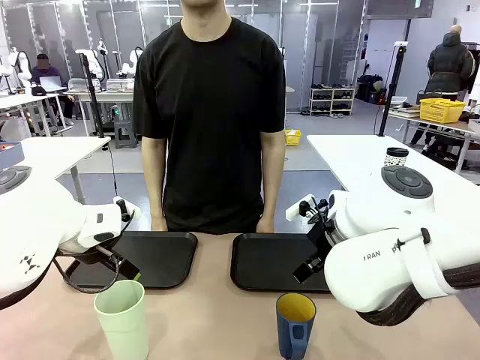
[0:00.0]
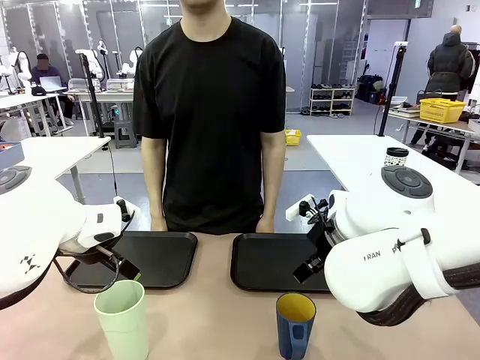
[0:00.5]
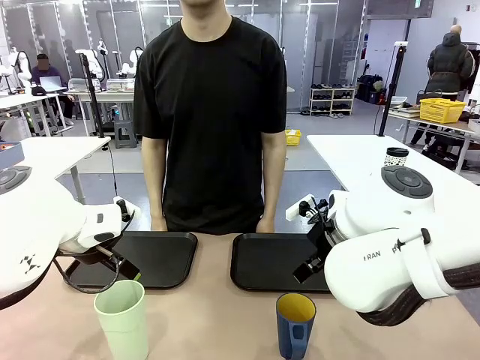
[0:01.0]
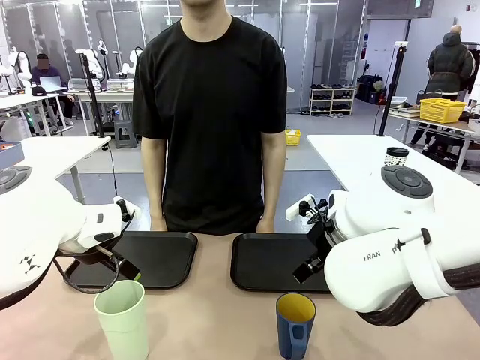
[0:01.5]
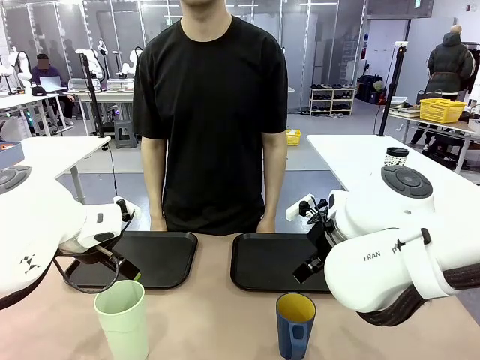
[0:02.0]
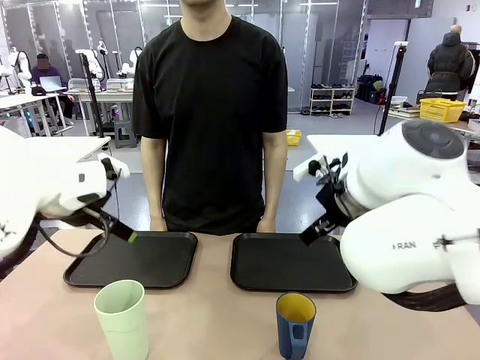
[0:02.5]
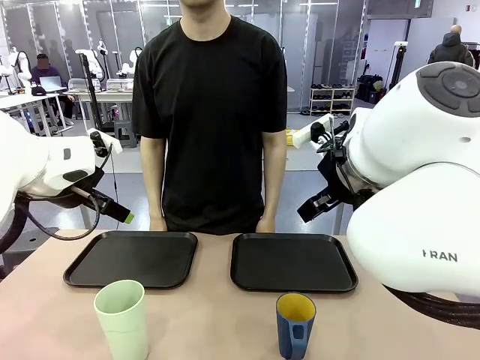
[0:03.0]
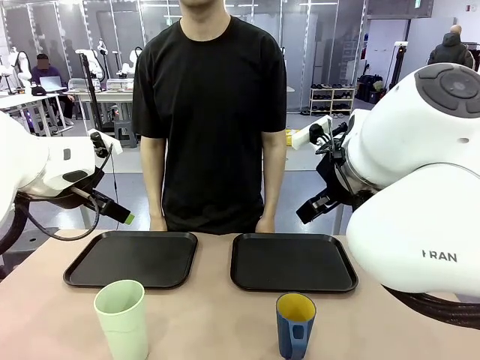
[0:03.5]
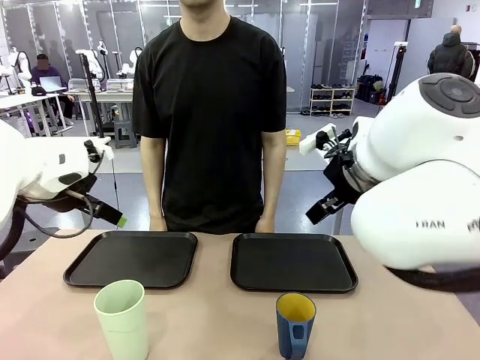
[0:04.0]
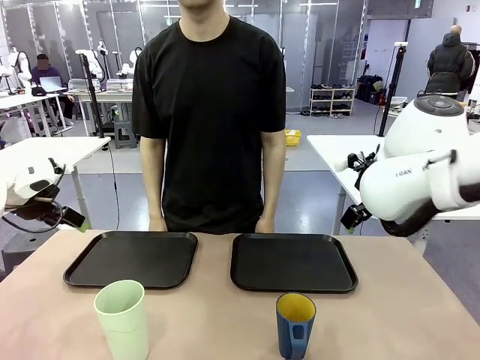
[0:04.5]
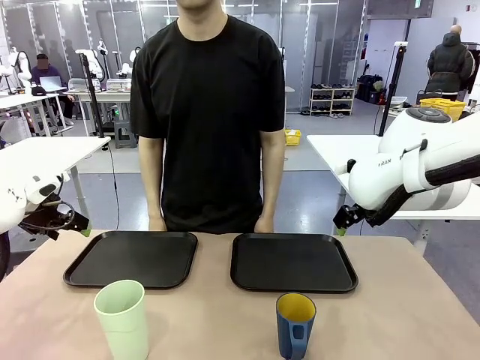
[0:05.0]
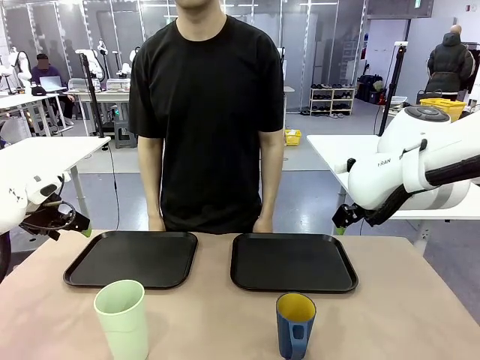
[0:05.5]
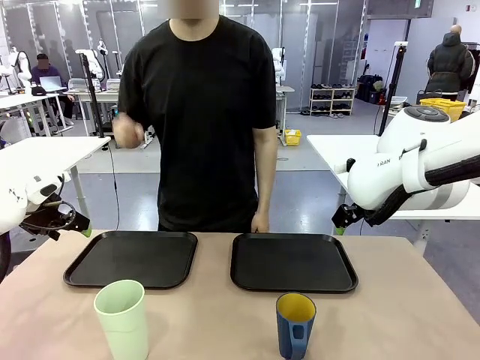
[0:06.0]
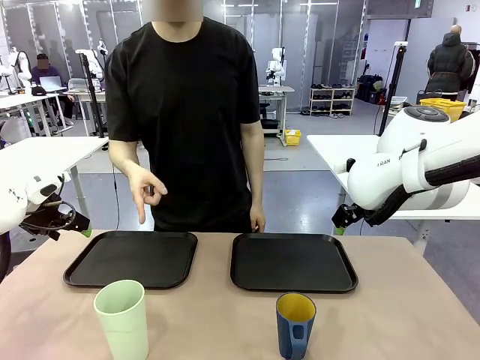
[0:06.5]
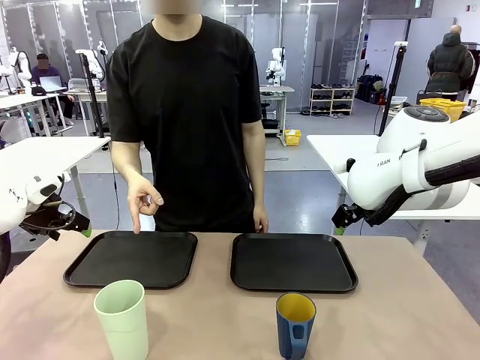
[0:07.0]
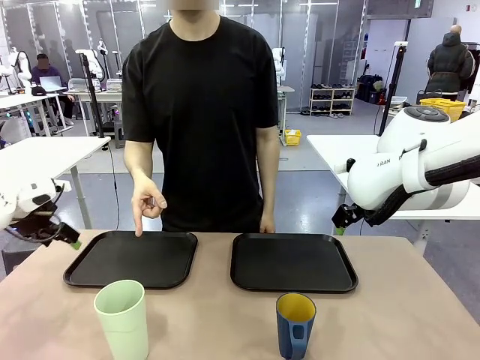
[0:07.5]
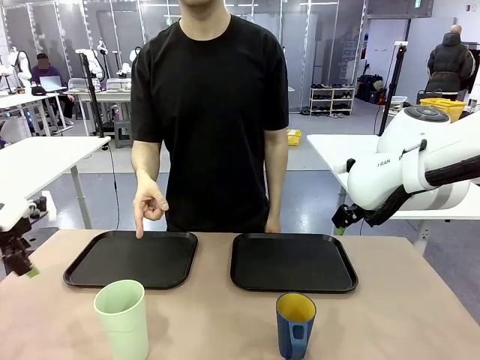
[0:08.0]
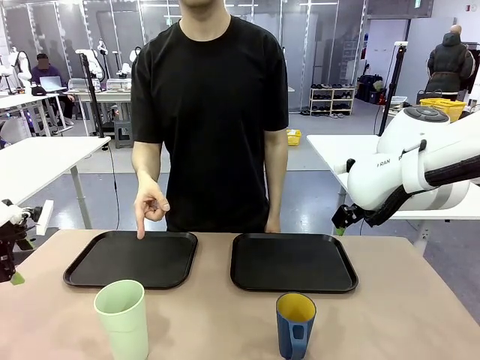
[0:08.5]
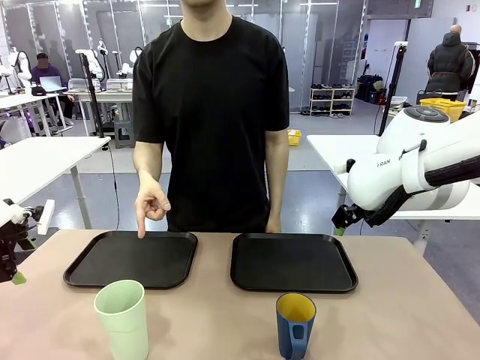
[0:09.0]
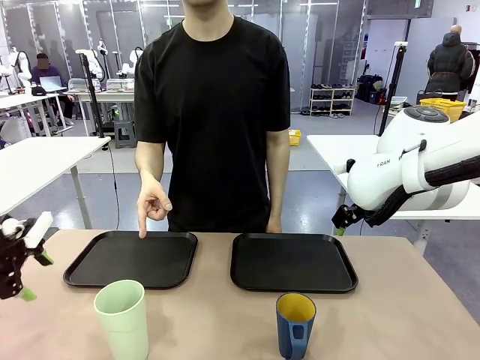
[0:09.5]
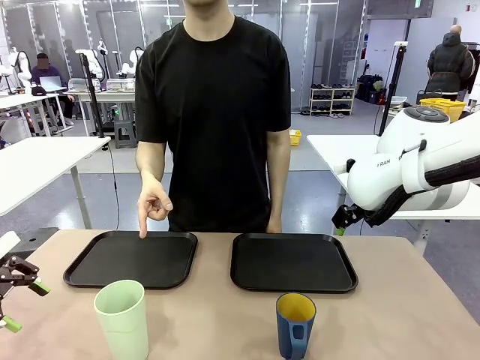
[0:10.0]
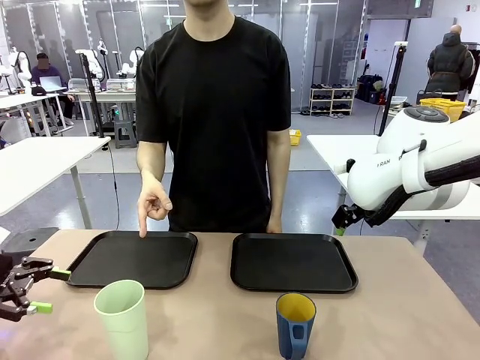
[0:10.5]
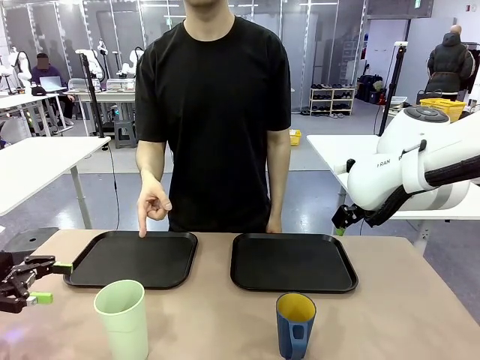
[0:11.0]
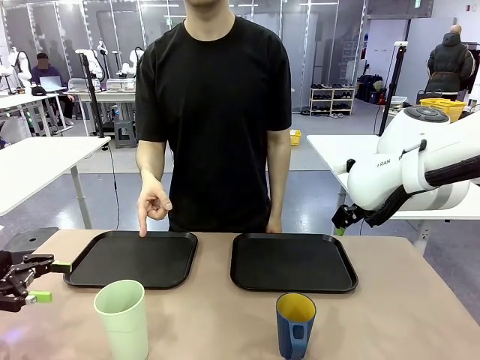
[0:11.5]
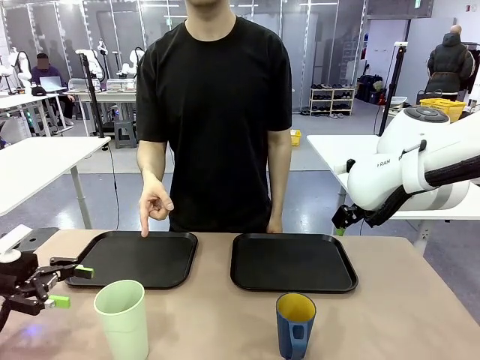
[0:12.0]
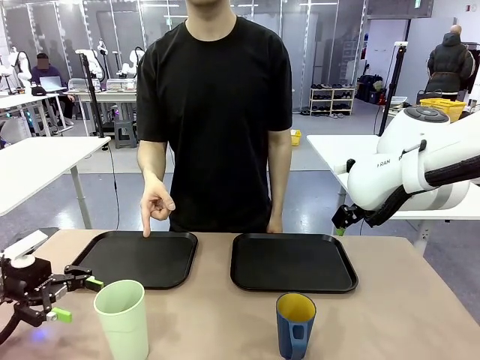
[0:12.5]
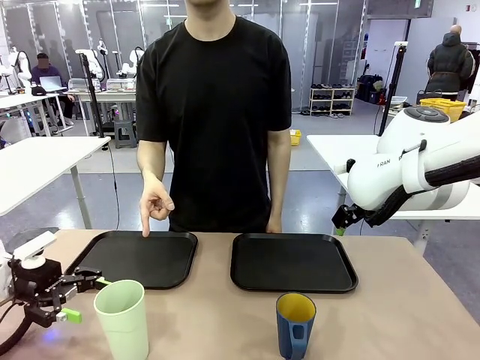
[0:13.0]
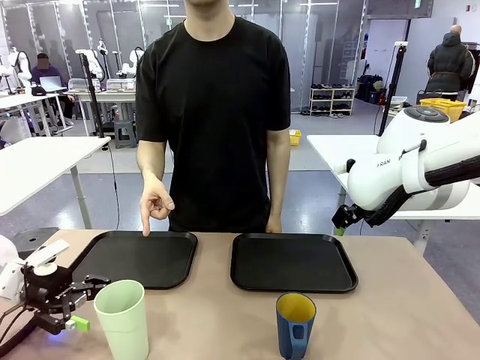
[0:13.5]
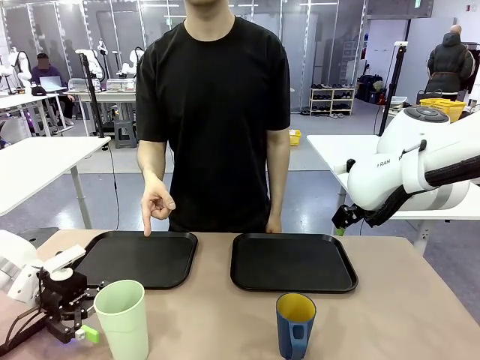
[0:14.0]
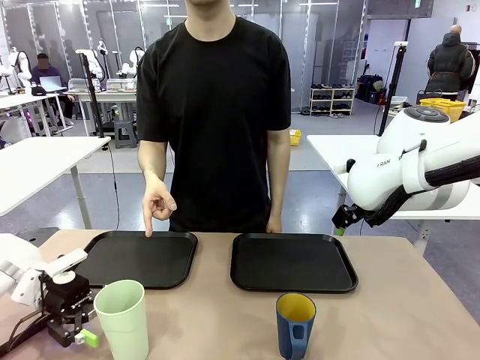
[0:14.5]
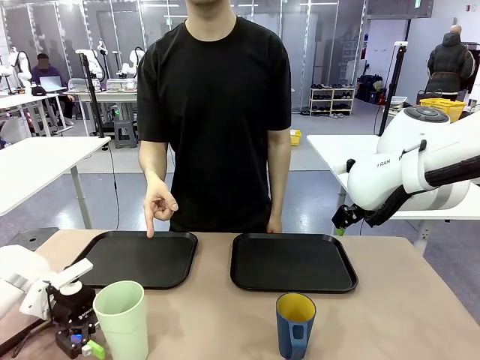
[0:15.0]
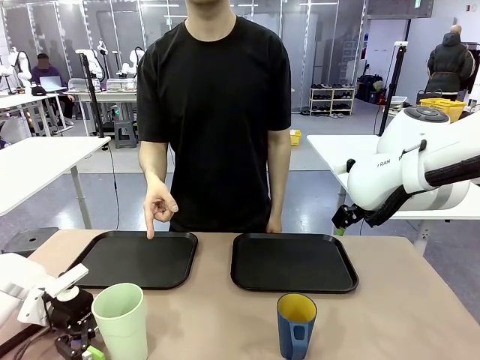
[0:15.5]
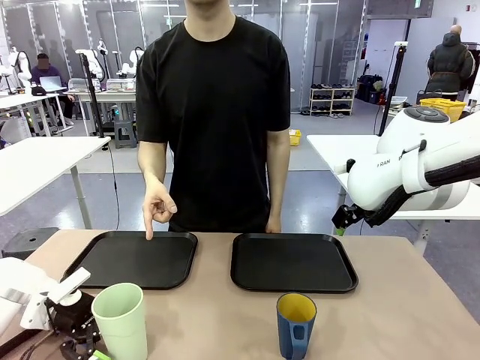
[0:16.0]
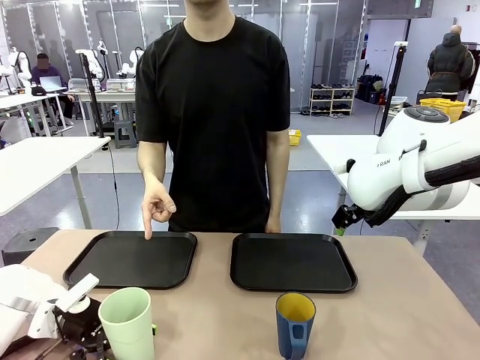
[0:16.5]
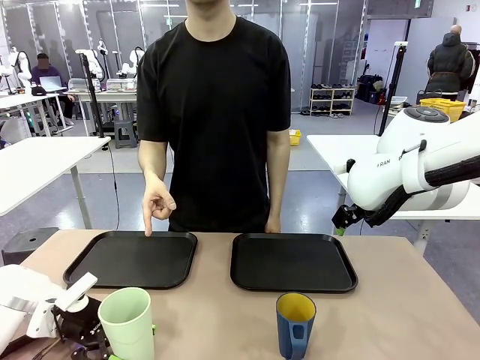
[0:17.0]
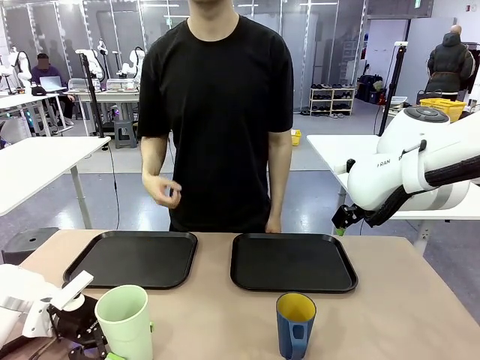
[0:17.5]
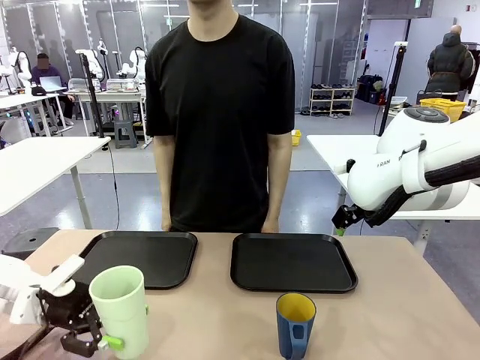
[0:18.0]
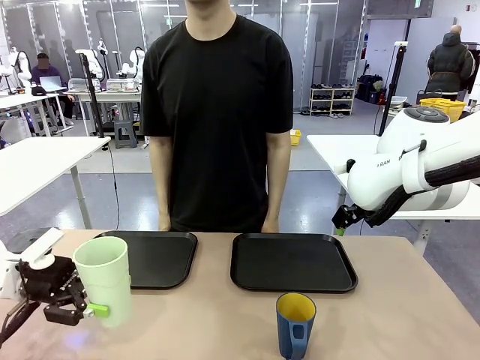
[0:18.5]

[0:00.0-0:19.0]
Task: Sort and store the cups by type.
Robot: Pick up the Reusable plastic cup.
Person: Points to the reusable cup. Point to one of the two trays.

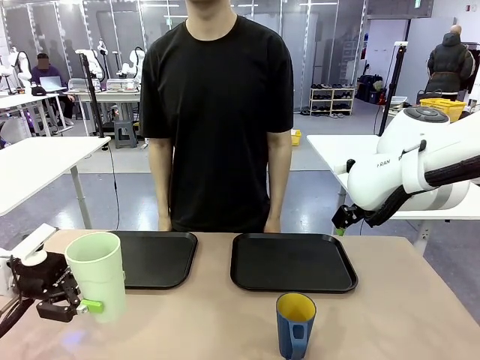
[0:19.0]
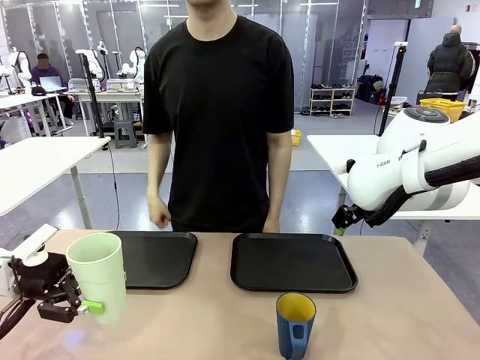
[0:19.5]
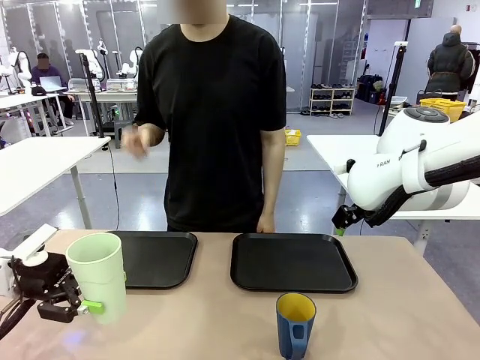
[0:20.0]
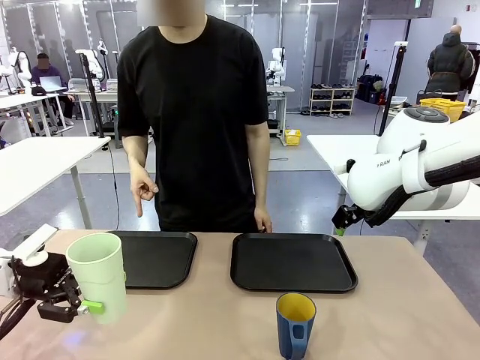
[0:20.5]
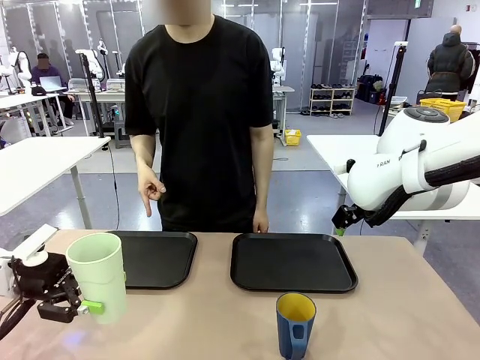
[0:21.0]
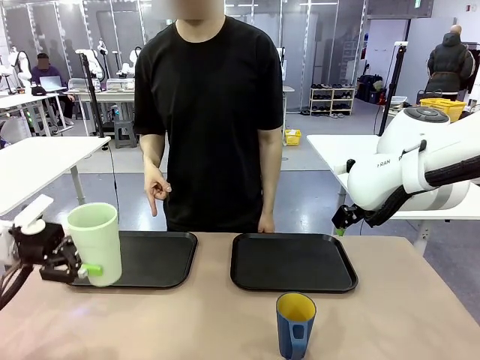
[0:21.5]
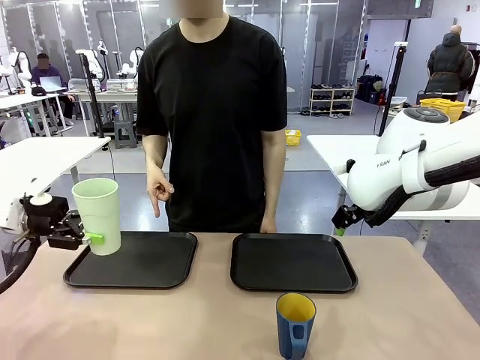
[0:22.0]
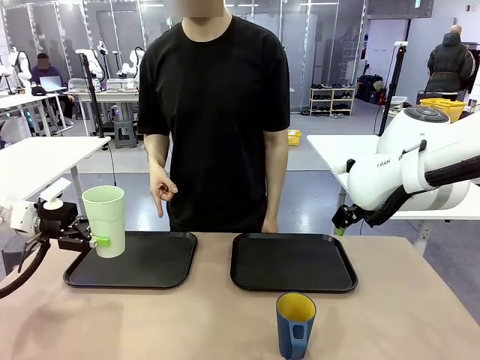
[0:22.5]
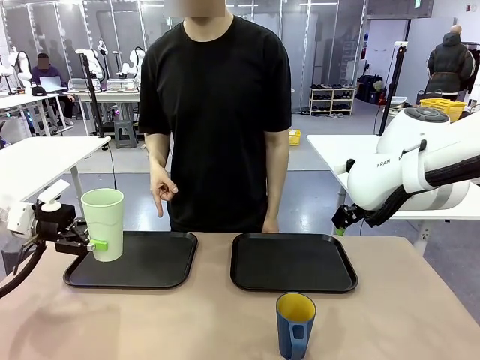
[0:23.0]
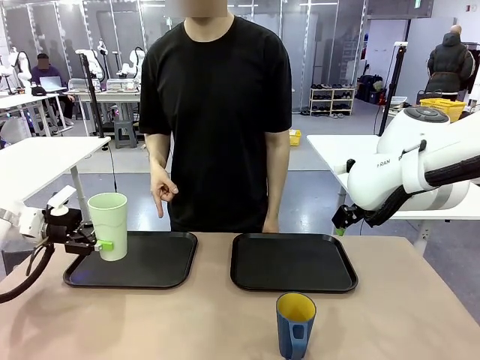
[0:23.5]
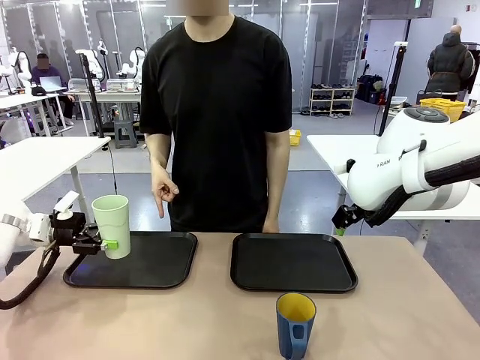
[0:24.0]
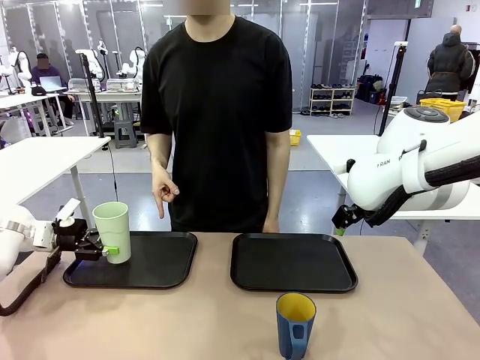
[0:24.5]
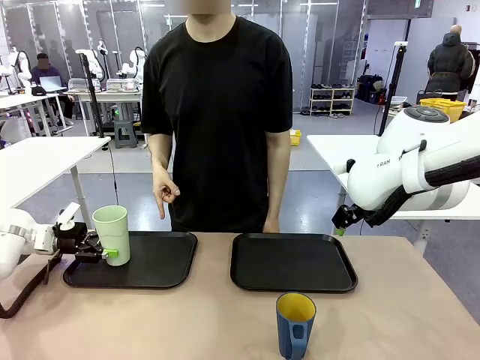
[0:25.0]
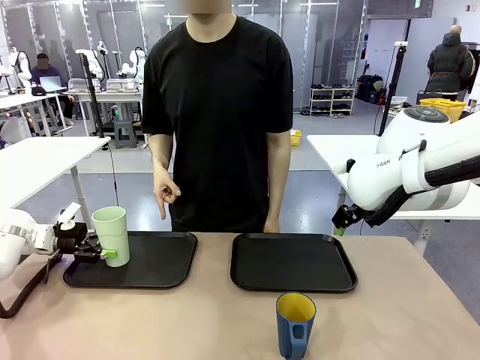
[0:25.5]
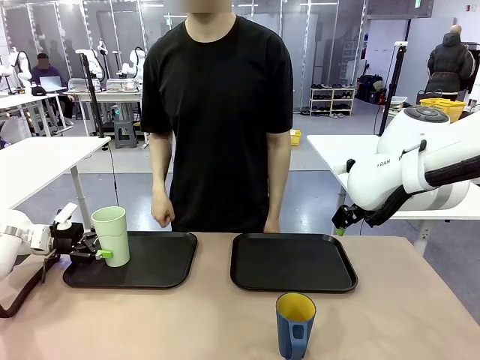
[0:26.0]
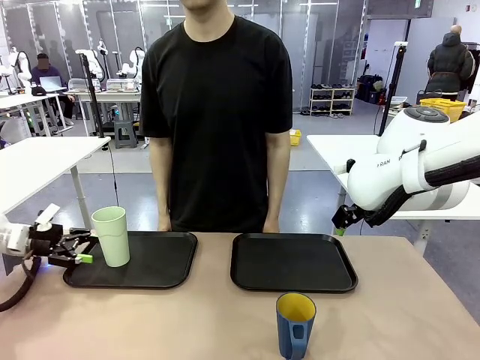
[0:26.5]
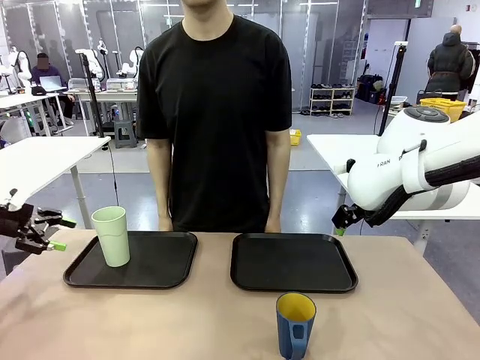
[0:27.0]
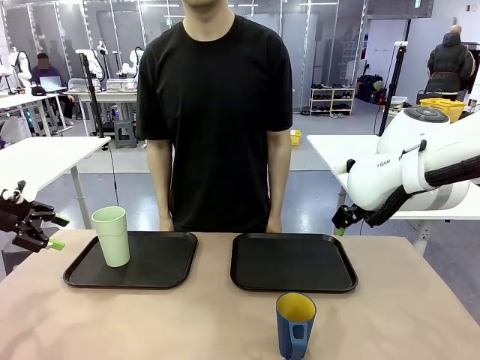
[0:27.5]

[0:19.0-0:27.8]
Robot: Place the picked Reusable plastic cup into the Flat Tray indicated by the person.
